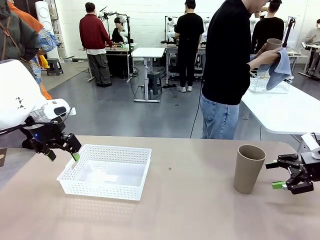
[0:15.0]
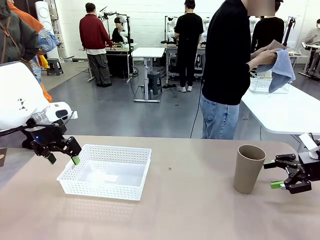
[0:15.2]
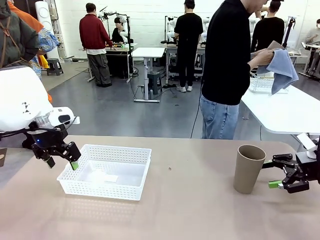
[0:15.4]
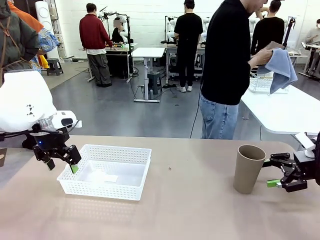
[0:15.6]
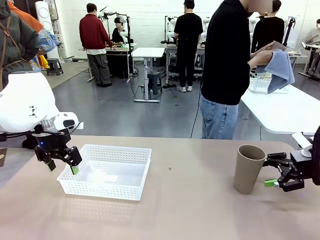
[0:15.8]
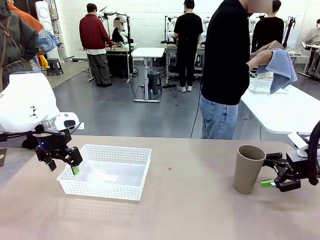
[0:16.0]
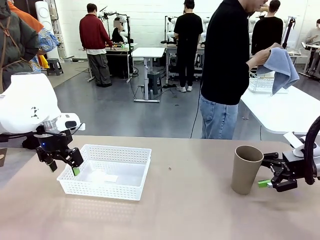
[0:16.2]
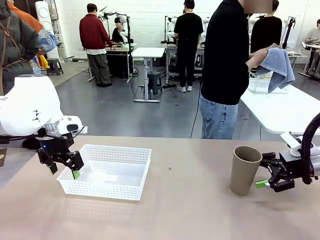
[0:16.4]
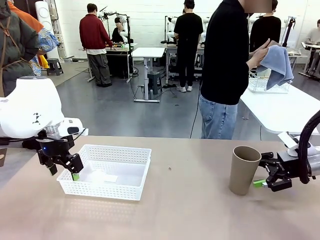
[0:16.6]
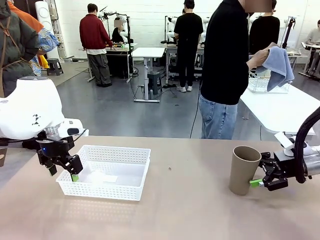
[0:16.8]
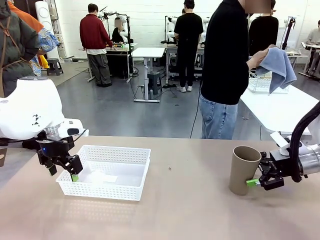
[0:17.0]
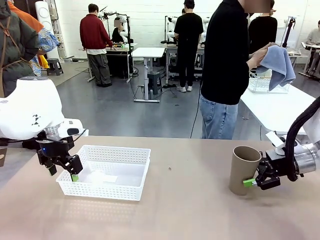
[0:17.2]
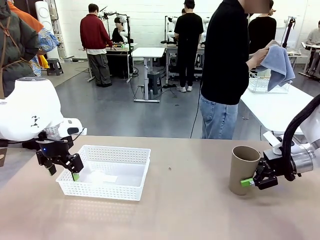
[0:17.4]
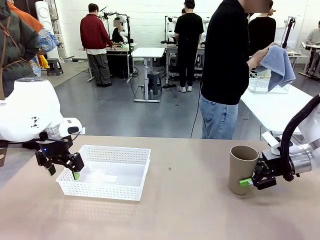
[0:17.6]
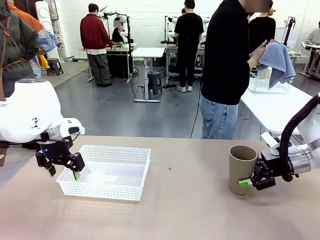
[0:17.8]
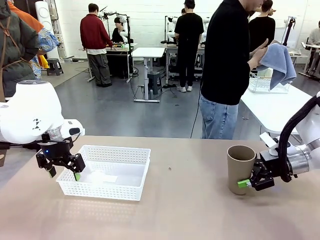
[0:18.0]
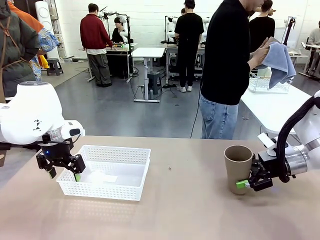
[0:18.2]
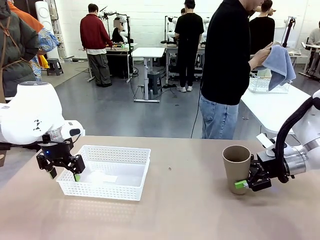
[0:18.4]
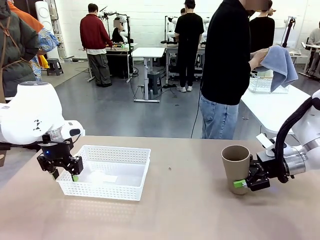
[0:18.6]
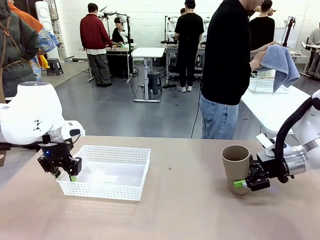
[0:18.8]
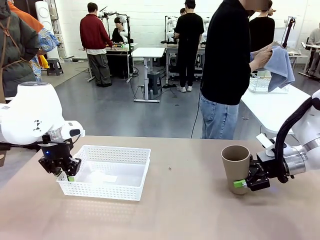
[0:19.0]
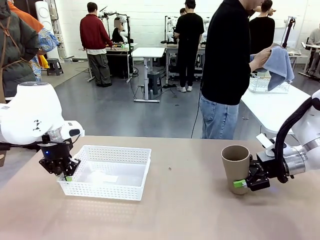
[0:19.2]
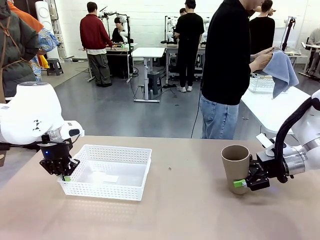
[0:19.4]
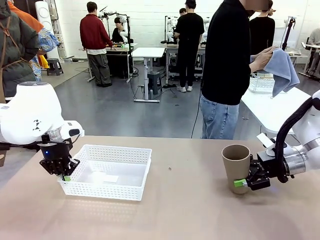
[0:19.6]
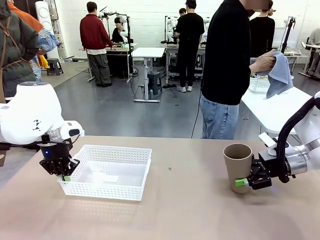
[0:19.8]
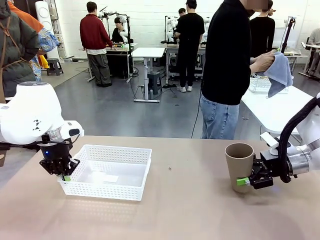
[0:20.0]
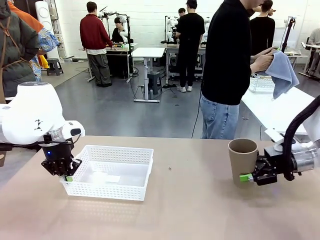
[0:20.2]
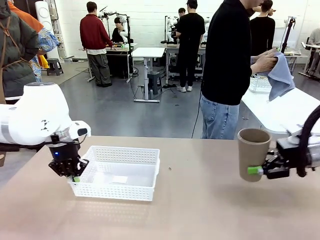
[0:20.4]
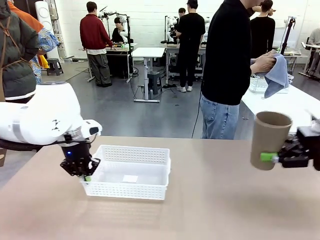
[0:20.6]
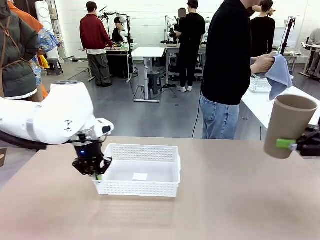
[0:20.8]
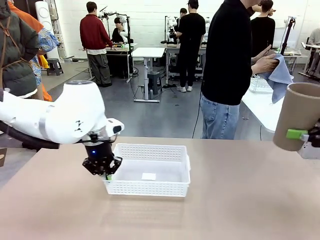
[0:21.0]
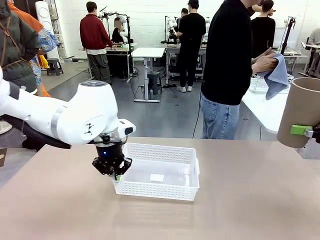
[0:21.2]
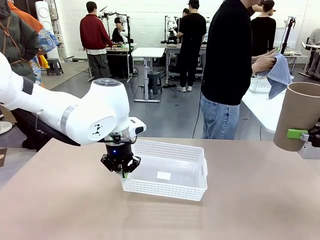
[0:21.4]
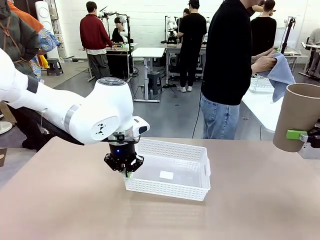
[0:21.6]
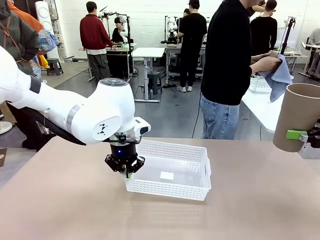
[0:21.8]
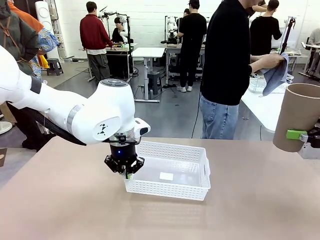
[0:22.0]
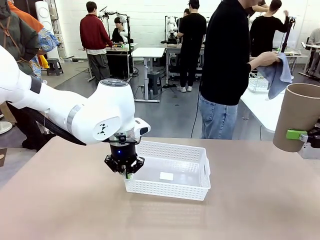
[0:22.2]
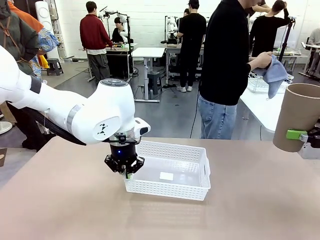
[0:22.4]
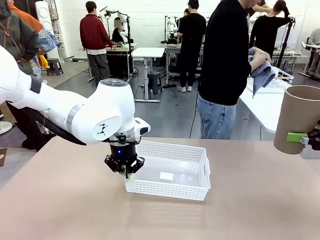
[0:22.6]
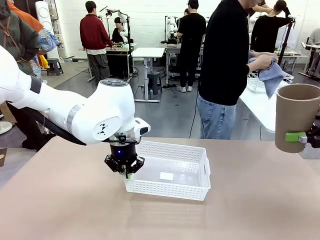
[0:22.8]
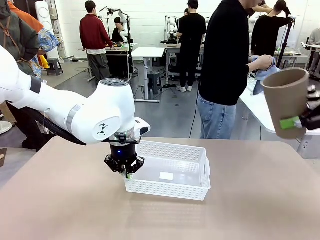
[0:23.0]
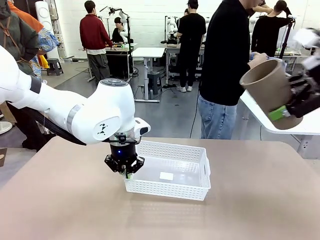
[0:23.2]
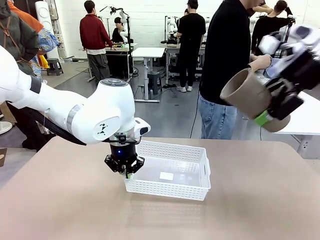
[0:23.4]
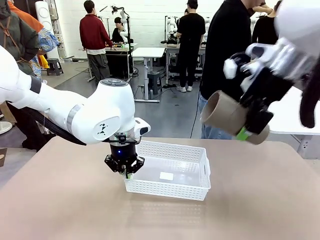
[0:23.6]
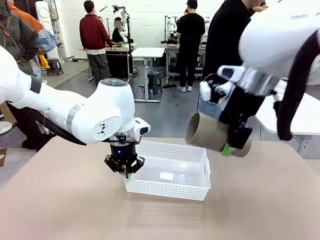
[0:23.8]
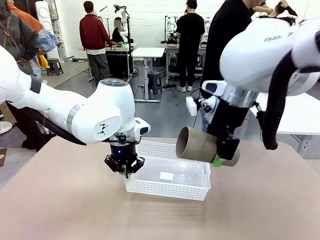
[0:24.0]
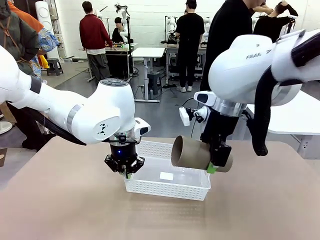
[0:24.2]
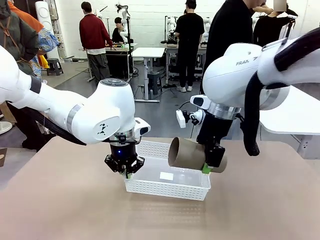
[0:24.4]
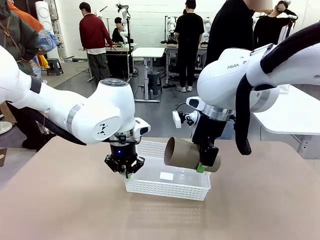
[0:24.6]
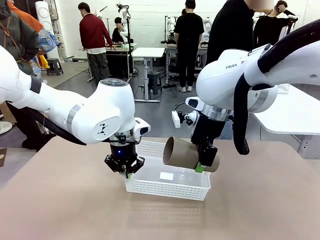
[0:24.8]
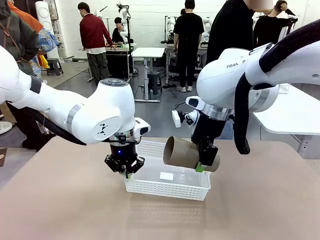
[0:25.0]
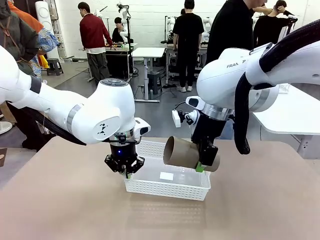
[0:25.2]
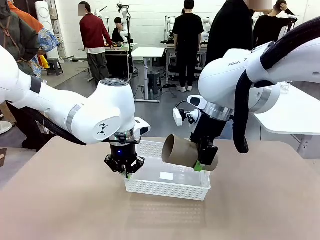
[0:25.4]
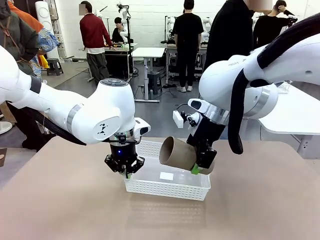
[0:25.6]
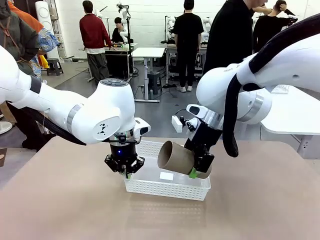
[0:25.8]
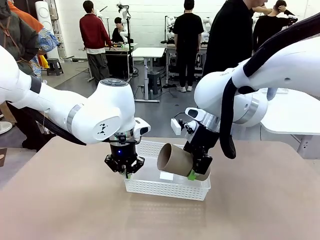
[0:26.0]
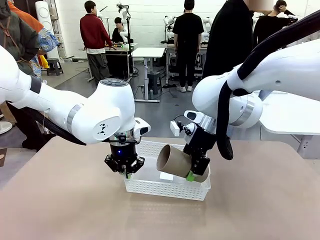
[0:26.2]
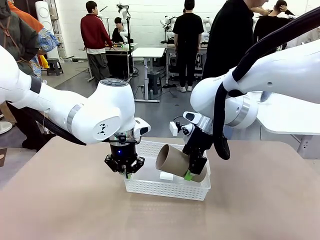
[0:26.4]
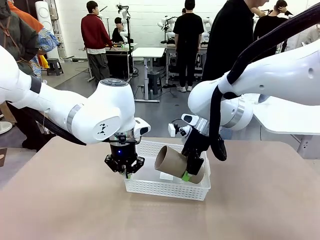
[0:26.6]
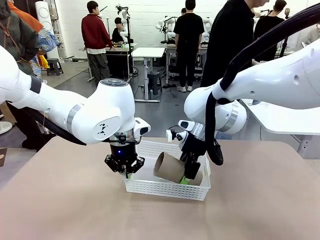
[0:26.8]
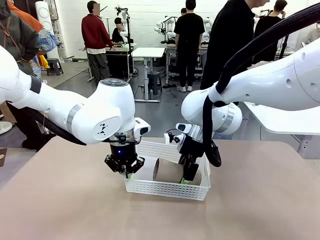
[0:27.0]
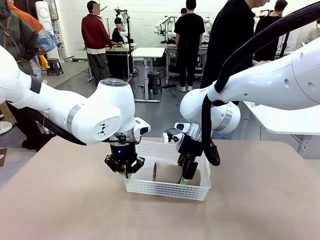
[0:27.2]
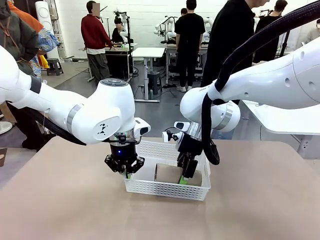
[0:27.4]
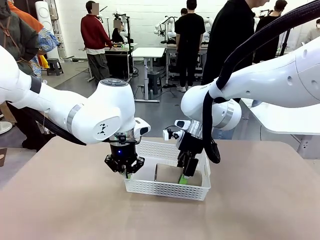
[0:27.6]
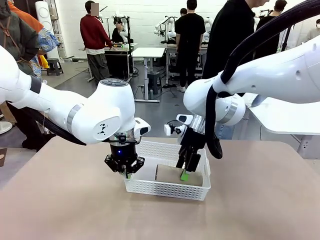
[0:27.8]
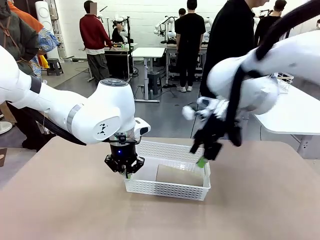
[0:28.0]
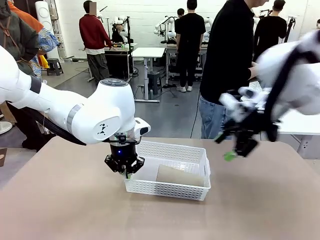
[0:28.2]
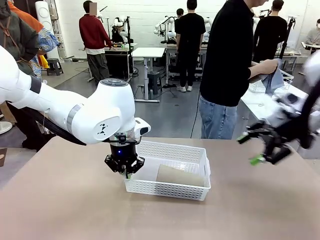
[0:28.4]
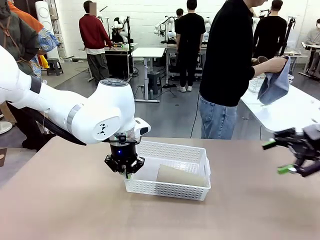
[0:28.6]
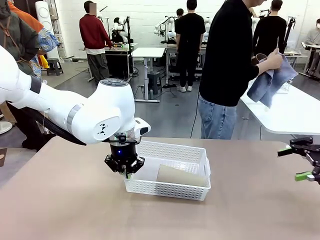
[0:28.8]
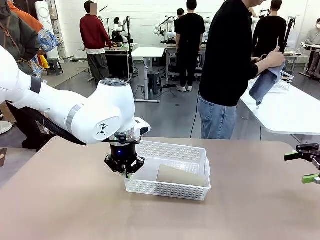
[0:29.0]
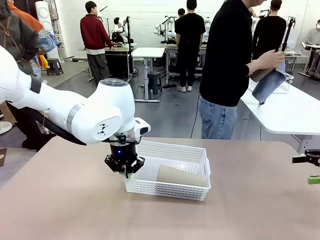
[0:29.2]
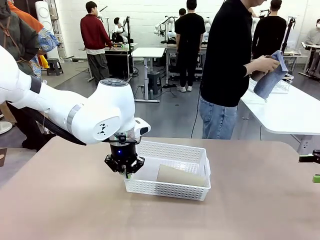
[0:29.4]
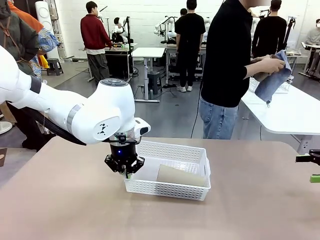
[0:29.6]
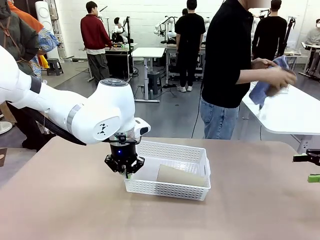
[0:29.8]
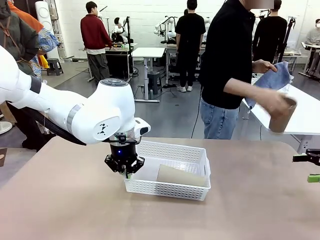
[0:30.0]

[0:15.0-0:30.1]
Task: Clean and organize the cups into the basket.
Robot: Pick up the Organizing basket and move it to the center of the table, then pick up the Reusable plastic cup from the right side of the table and place it inside the Organizing basket.
